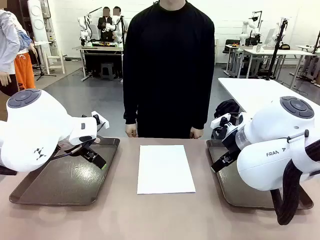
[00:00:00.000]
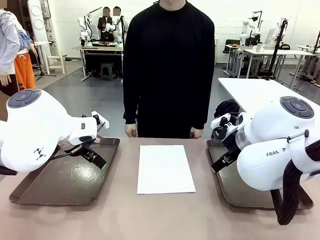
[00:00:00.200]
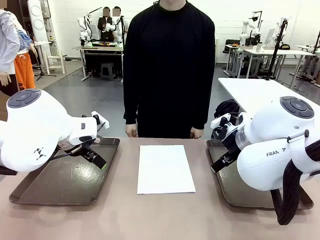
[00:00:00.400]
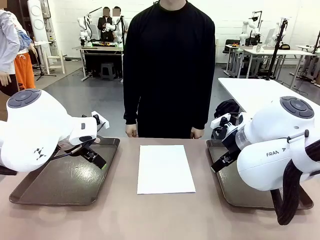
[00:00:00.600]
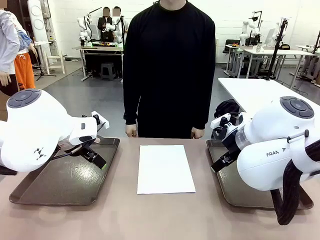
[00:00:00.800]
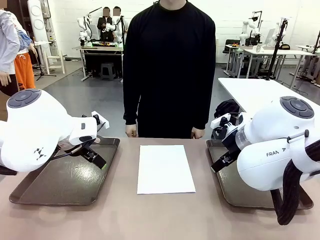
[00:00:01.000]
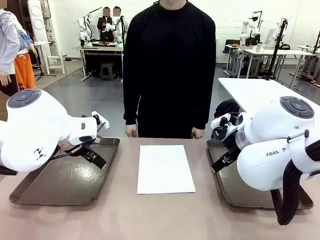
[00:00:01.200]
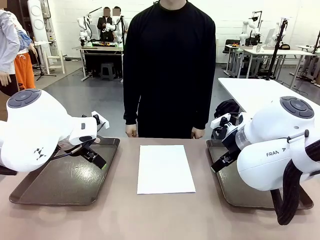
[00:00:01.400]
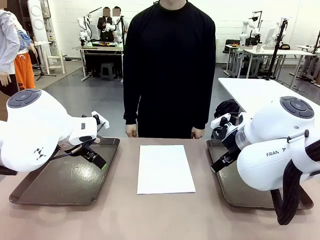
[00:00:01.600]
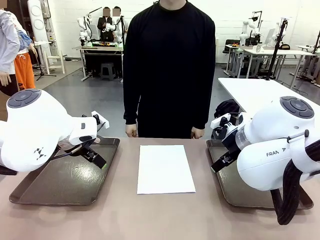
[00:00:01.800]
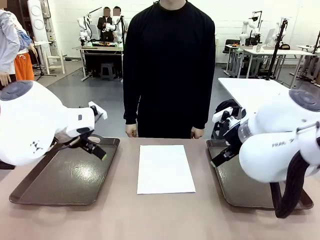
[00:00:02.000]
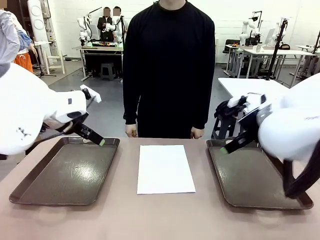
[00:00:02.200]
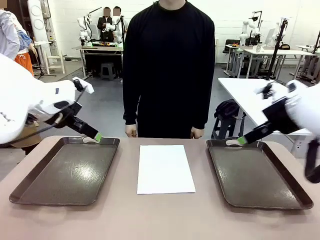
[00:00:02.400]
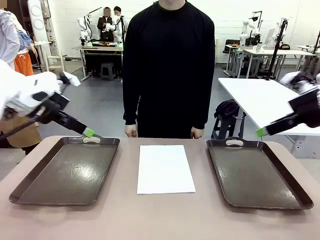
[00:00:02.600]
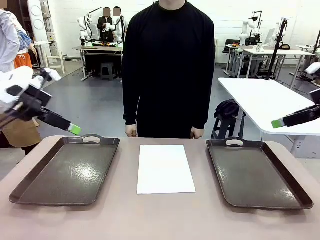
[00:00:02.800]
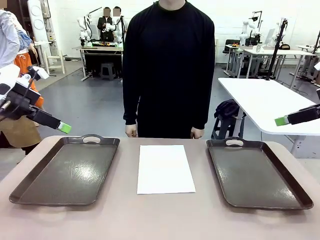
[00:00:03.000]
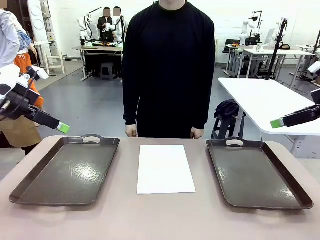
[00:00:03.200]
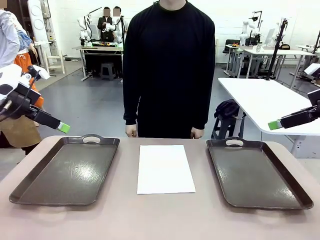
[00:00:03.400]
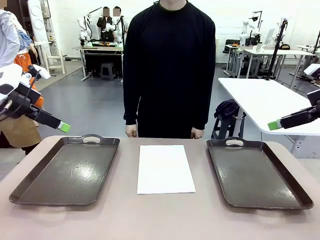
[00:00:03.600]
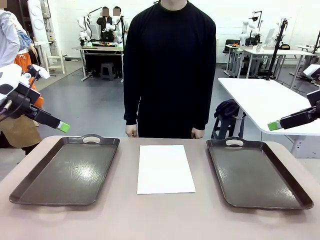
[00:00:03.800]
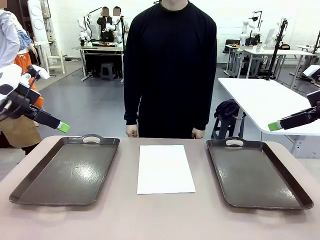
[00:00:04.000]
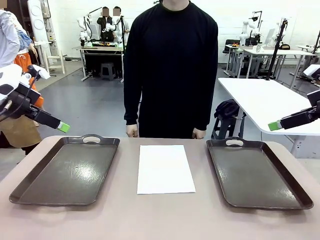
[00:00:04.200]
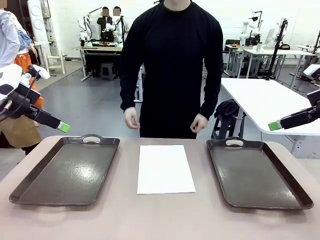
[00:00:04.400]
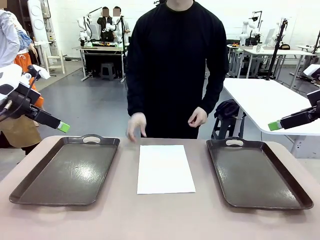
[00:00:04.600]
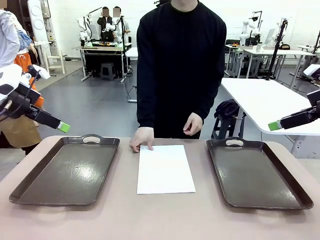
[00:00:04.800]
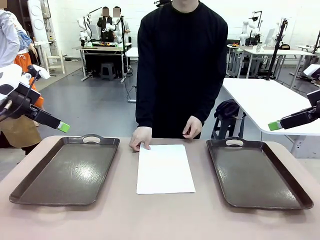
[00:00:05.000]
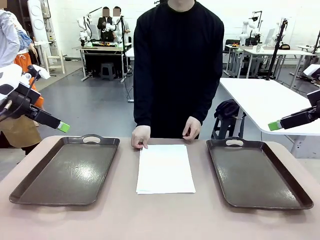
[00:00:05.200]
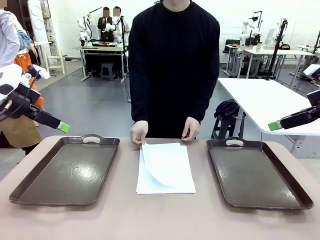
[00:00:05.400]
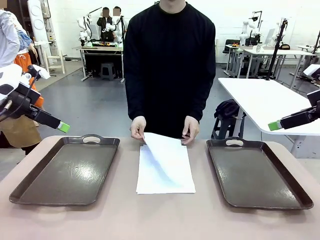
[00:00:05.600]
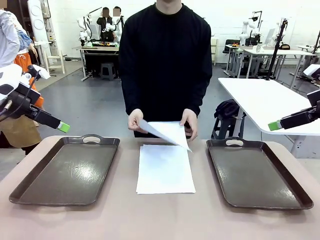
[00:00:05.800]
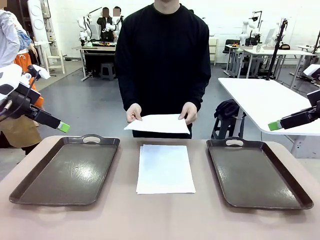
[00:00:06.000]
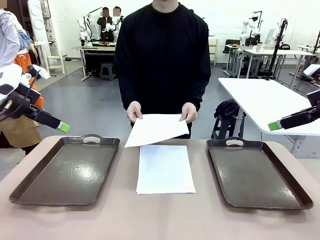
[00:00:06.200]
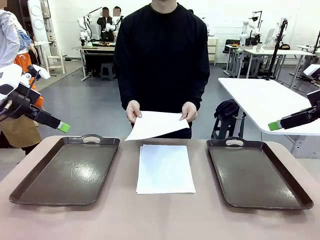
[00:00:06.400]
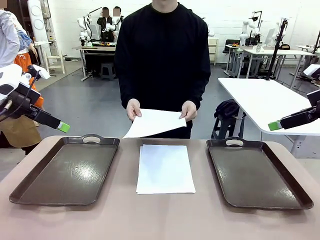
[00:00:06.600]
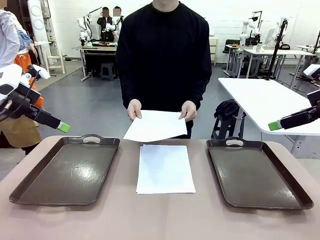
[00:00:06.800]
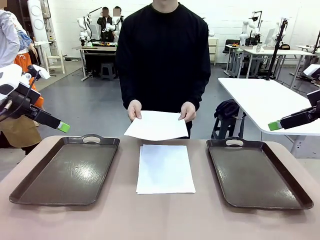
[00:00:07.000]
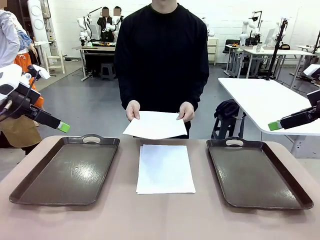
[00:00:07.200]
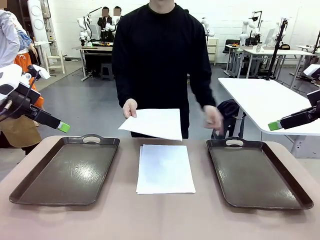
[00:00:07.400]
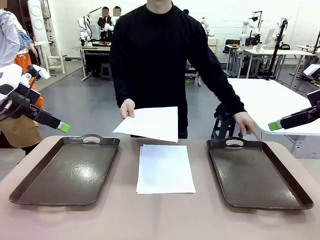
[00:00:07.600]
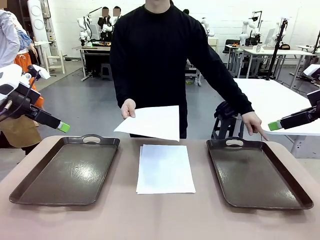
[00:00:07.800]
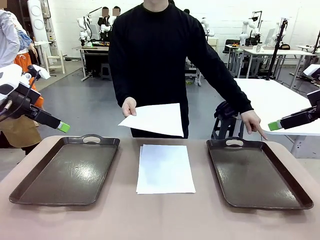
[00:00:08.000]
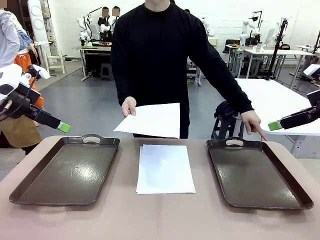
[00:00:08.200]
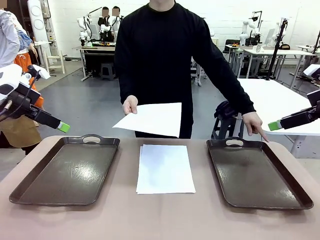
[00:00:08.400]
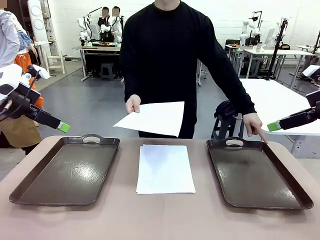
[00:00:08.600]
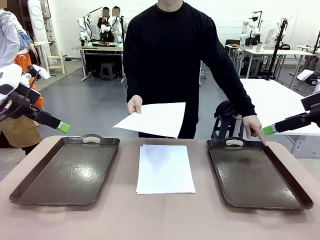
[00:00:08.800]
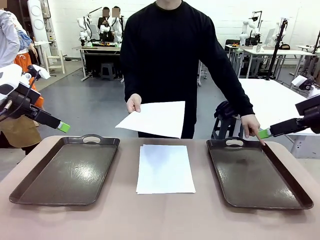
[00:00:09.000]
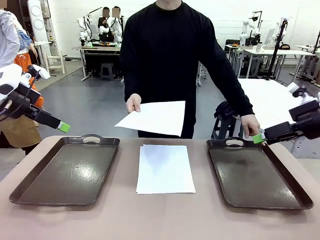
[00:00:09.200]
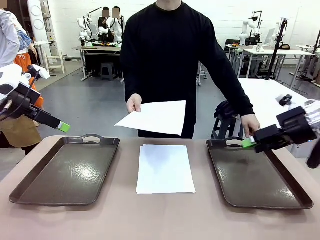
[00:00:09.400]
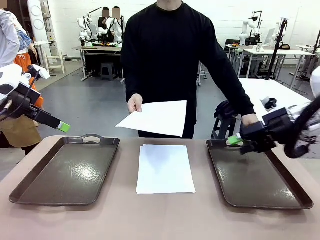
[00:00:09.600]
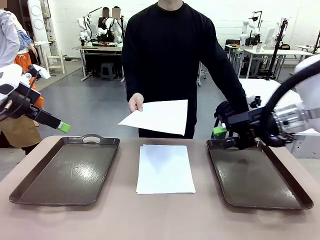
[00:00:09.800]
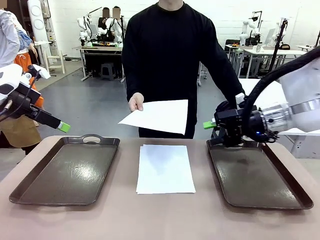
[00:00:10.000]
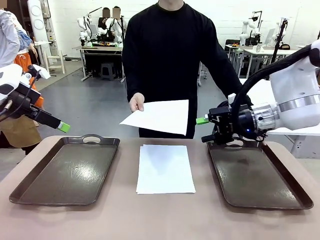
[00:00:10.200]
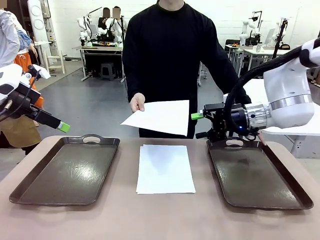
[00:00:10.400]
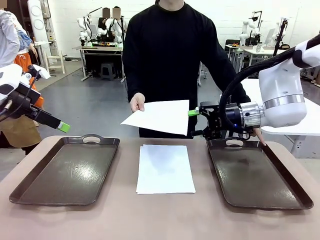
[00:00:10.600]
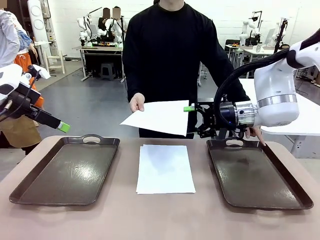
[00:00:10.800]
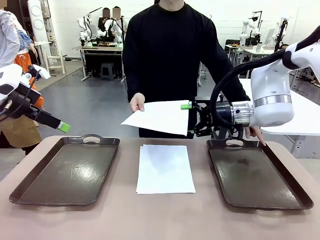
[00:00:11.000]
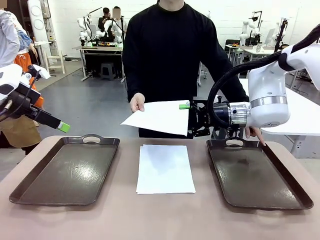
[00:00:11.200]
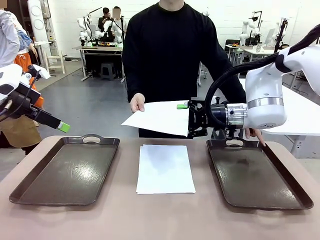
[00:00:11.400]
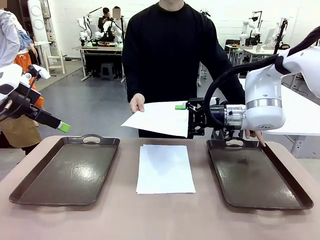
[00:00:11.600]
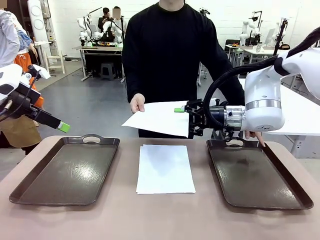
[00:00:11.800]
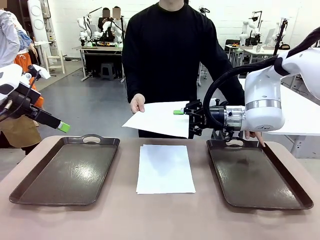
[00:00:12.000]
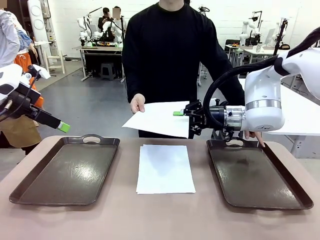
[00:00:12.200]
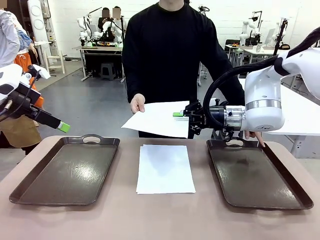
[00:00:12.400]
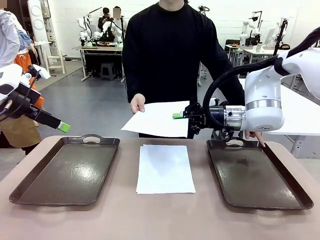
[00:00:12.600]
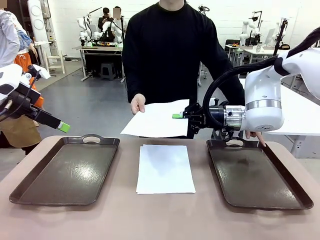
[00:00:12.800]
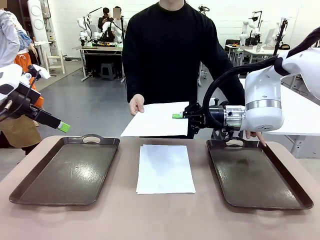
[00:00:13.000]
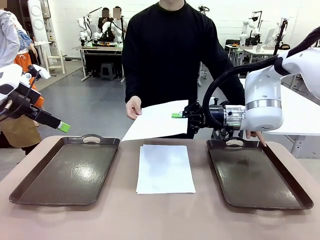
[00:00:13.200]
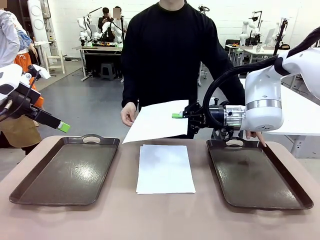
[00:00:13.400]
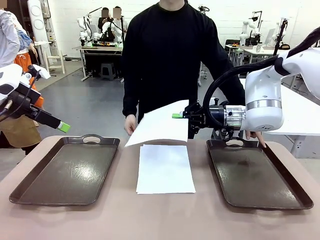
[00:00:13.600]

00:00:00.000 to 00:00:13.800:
Task: Sort the A4 documents.
Robot: Receive the A4 Paper.
Person: Pick up a sheet of paper from the center of the table and hand it to the robot. Point the randomly selected tray with the other hand.

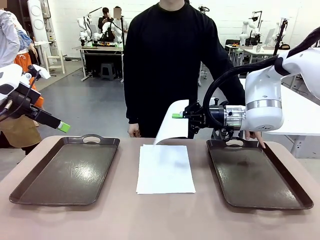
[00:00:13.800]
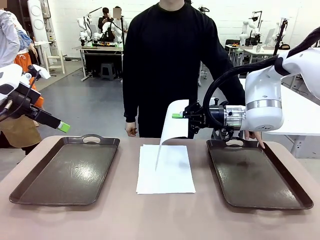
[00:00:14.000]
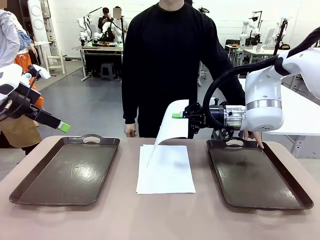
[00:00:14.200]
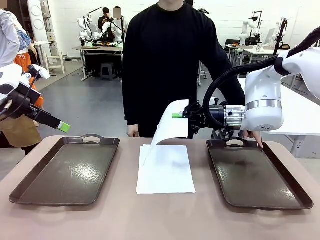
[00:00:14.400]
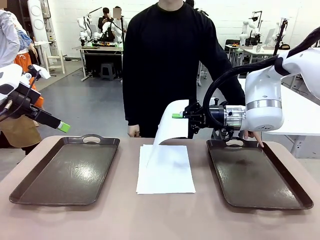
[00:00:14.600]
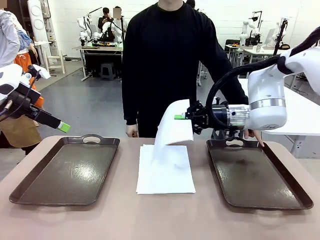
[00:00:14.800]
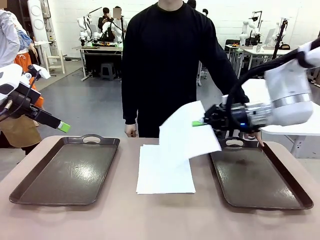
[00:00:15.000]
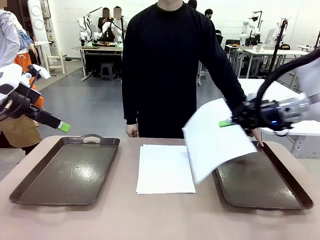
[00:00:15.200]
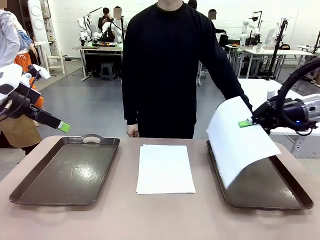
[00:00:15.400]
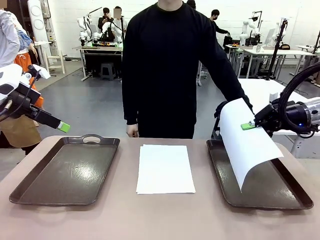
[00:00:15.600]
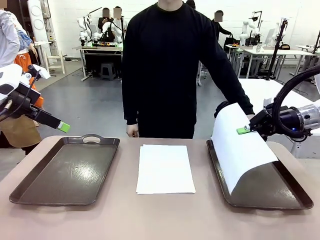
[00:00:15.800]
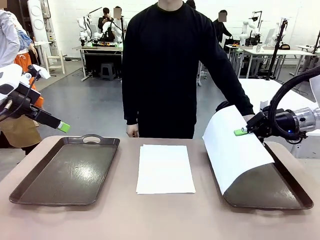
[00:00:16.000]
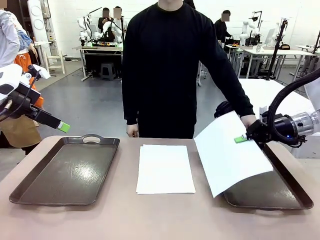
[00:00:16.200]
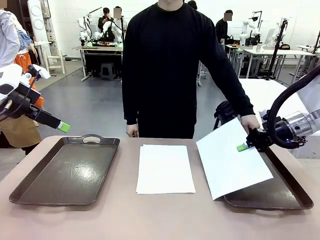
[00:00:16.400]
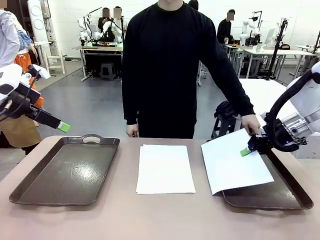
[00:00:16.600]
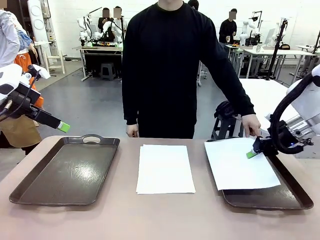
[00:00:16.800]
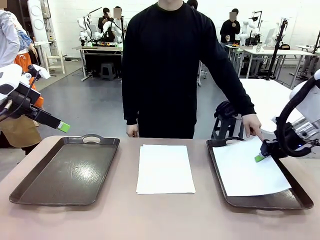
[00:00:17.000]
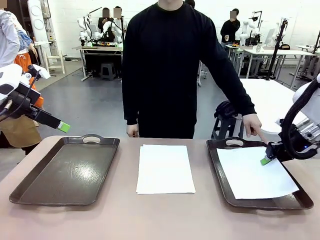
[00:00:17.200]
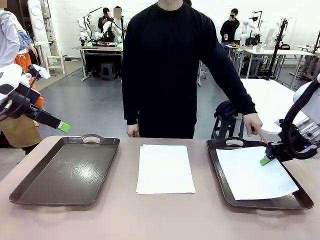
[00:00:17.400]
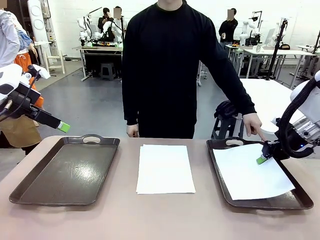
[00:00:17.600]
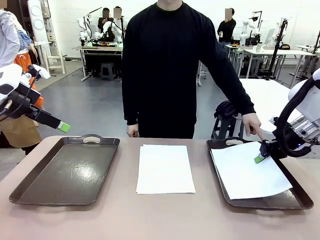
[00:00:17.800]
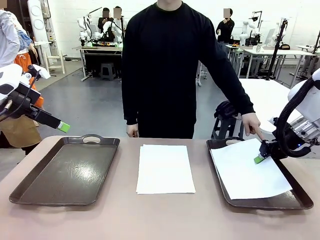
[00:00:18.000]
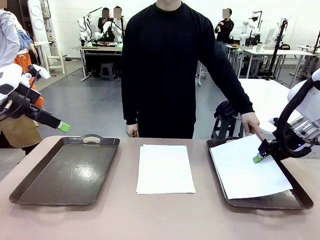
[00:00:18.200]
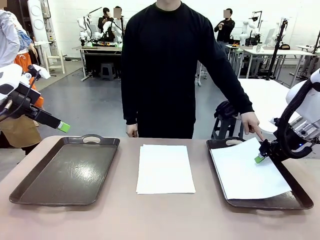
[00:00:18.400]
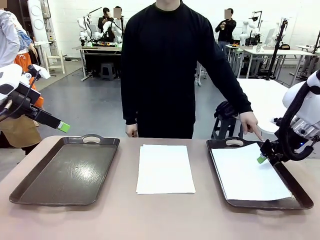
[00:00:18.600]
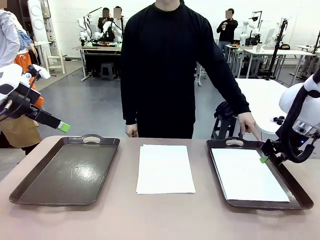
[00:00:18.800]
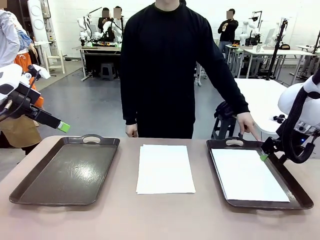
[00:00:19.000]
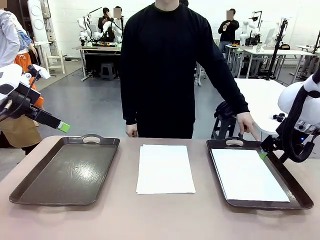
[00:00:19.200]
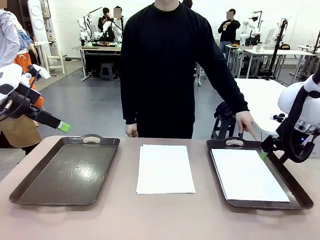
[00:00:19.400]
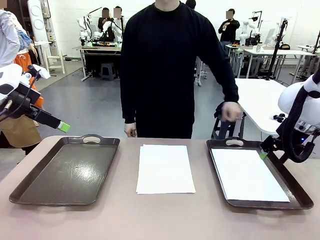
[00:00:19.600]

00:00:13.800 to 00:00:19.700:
Robot: Place the A4 Paper in the designated Handle tray.
